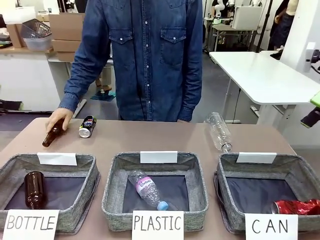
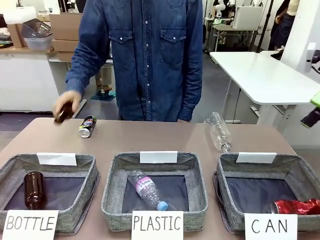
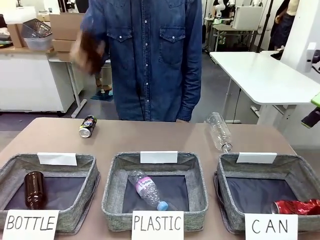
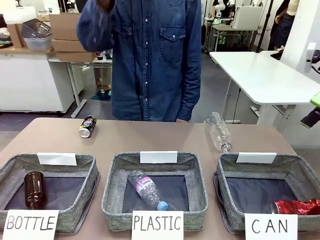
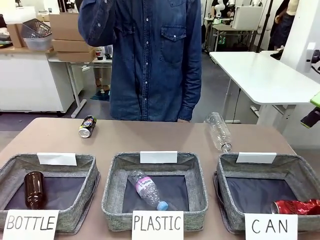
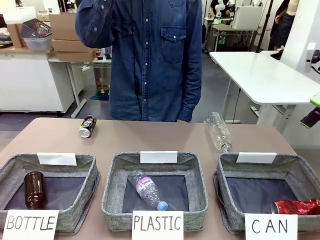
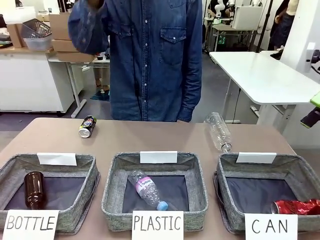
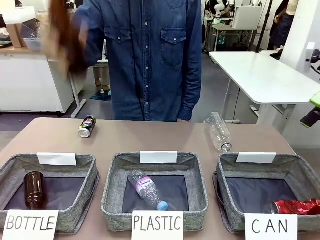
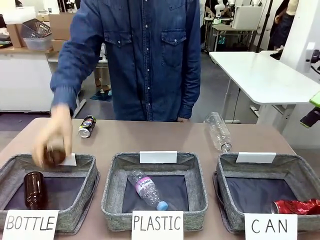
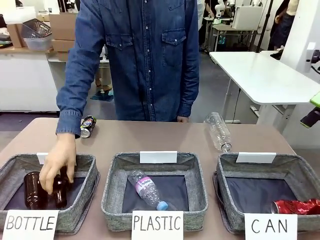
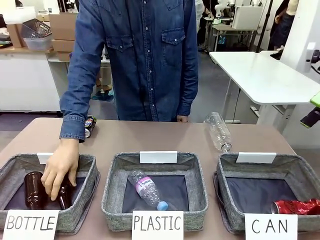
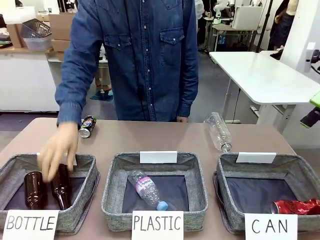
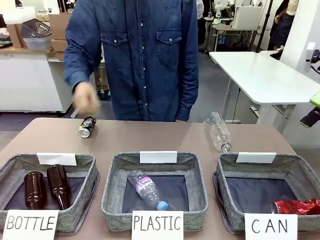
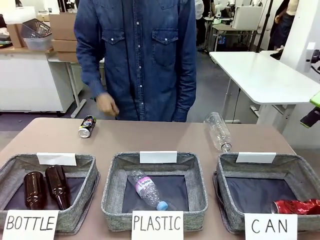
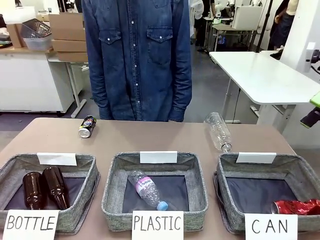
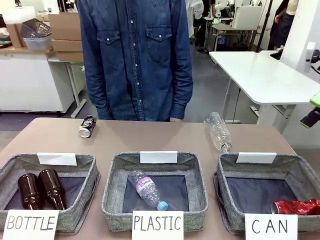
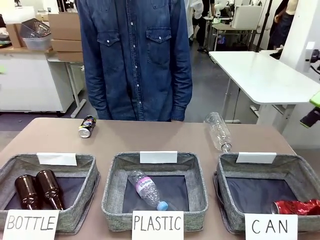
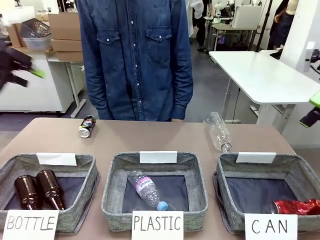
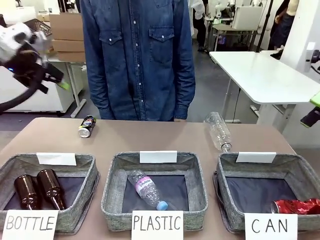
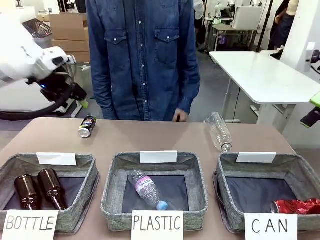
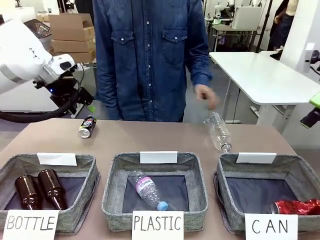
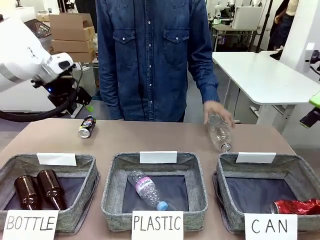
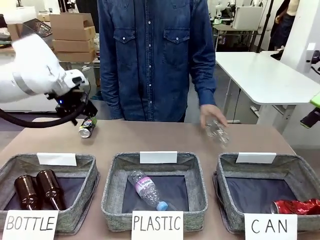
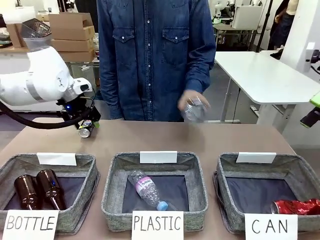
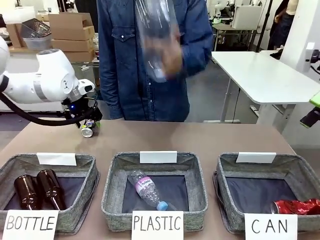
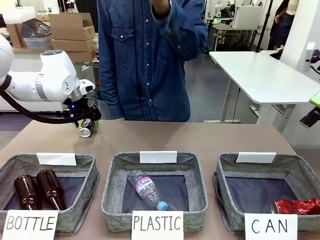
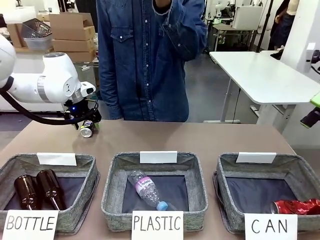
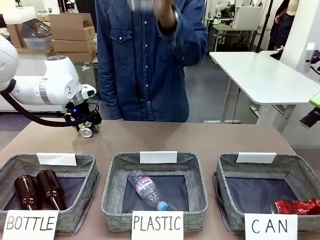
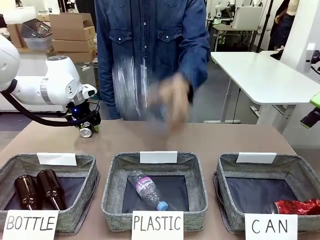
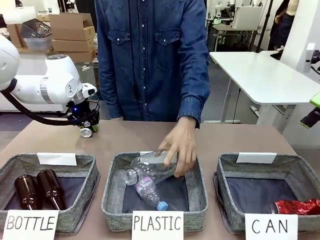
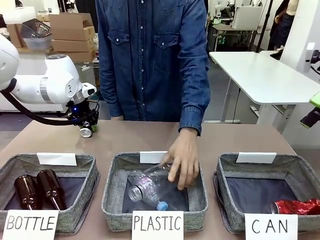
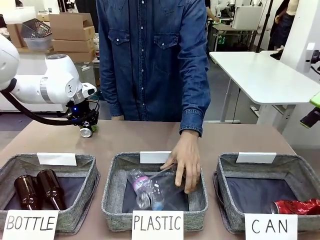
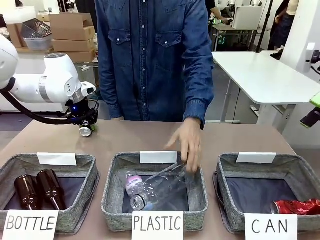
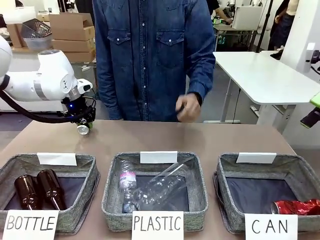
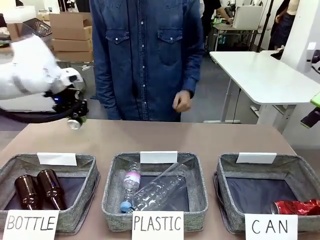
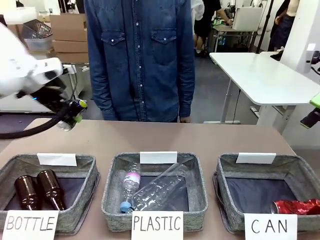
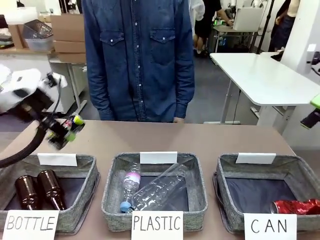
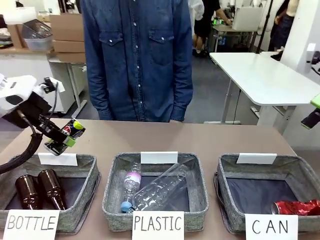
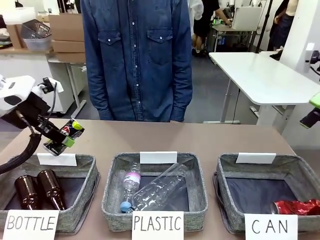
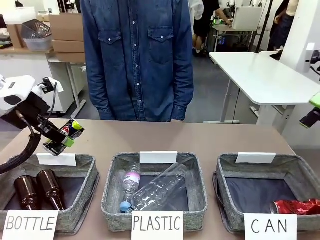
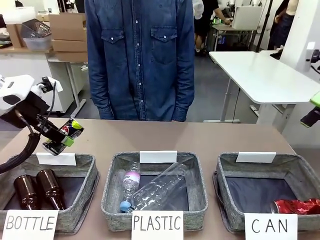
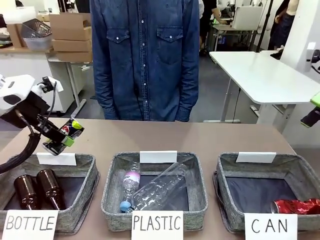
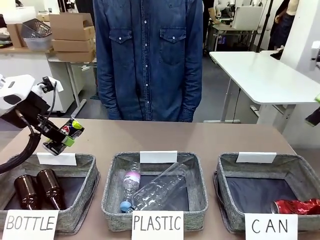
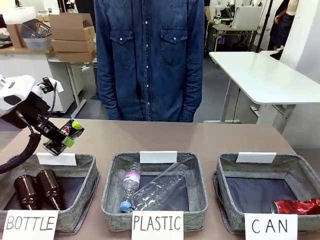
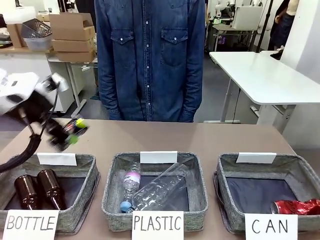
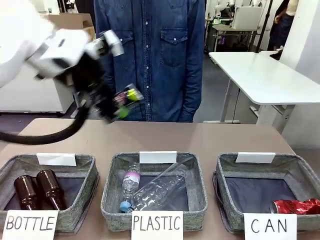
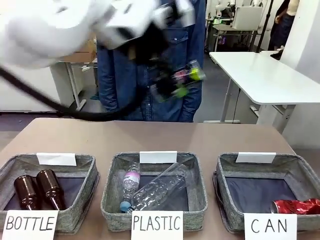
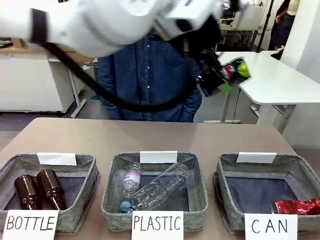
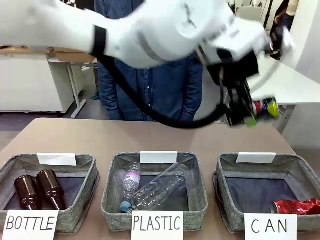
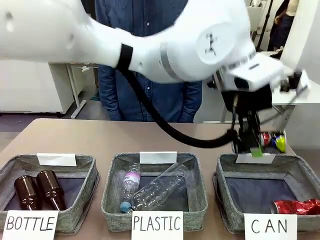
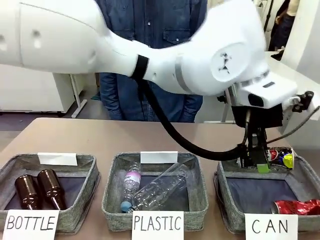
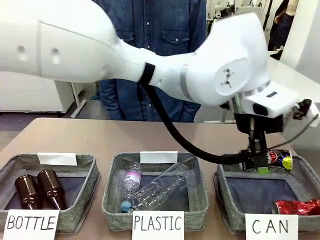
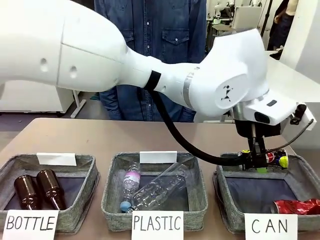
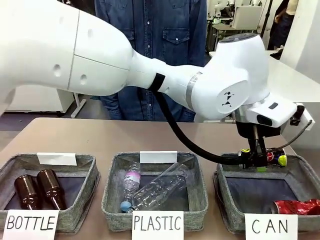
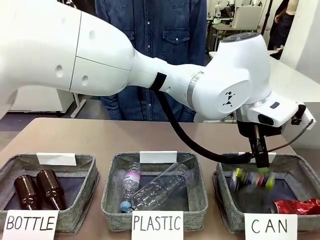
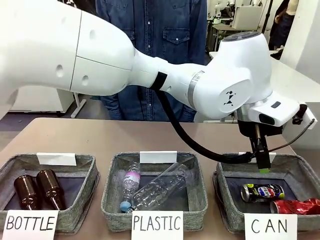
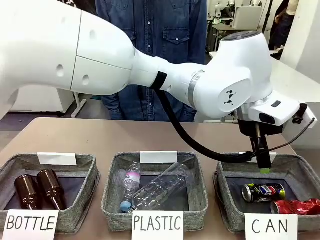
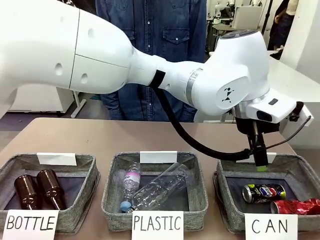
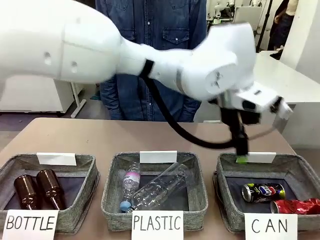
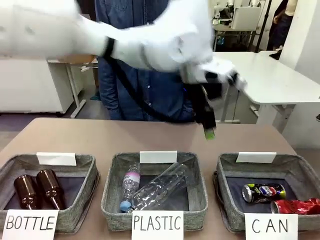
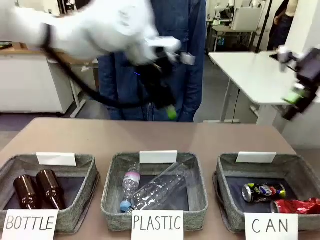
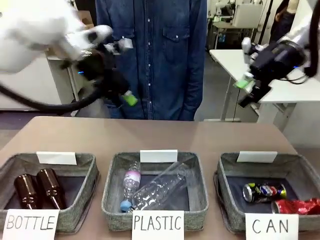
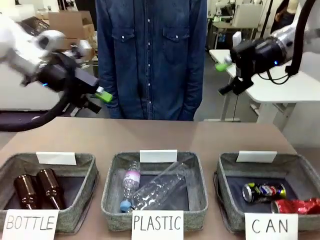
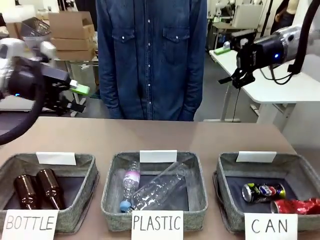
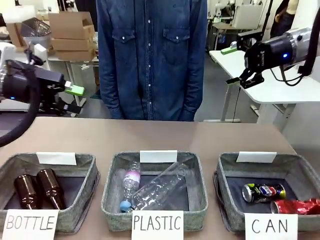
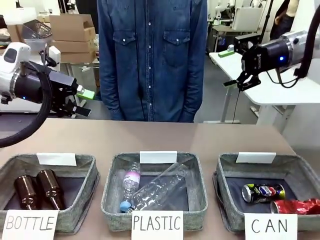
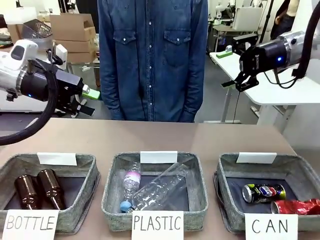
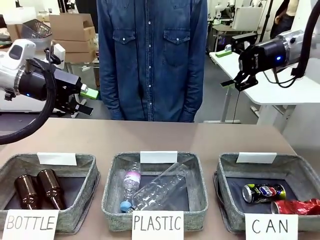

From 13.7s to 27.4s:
Task: Sort the can waste into the basket.
Robot: Pick up the can waste from the table and place it in the right Fabric basket.
